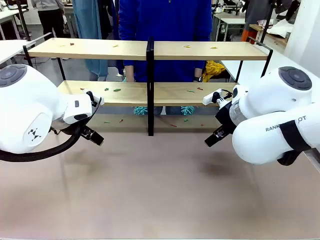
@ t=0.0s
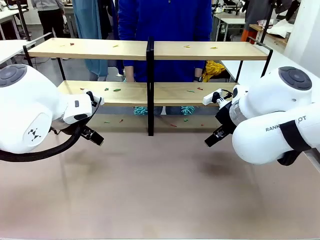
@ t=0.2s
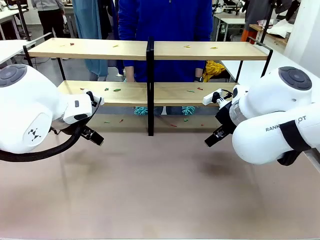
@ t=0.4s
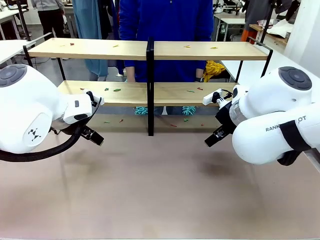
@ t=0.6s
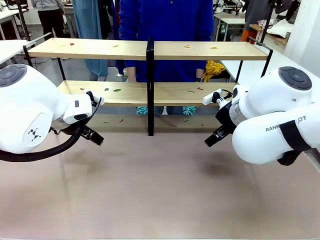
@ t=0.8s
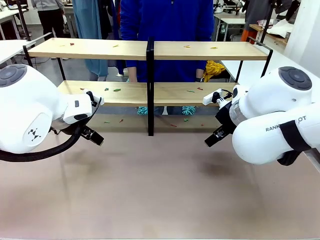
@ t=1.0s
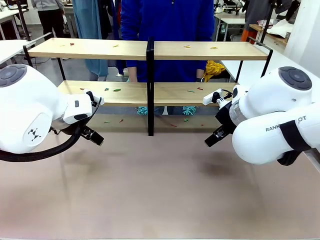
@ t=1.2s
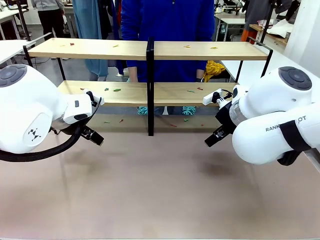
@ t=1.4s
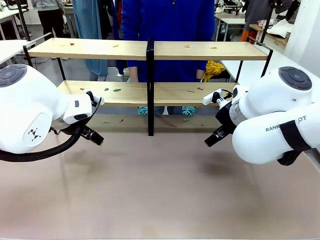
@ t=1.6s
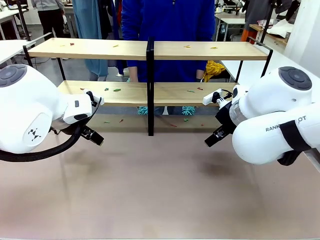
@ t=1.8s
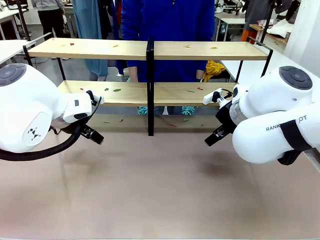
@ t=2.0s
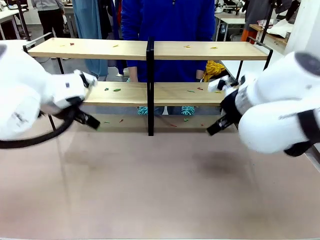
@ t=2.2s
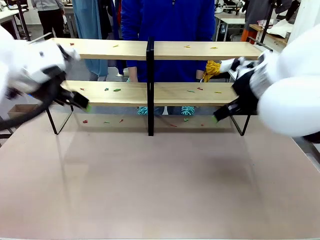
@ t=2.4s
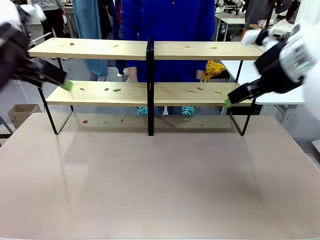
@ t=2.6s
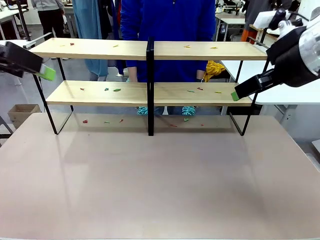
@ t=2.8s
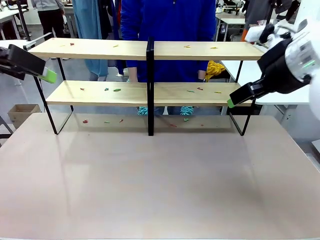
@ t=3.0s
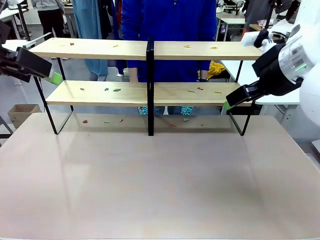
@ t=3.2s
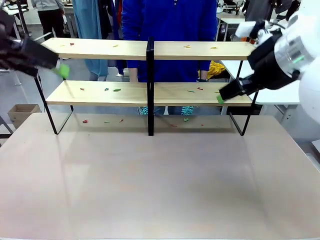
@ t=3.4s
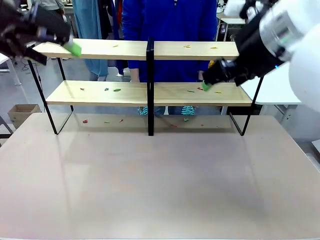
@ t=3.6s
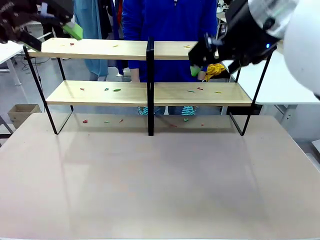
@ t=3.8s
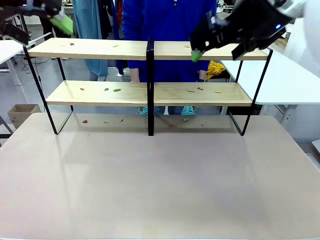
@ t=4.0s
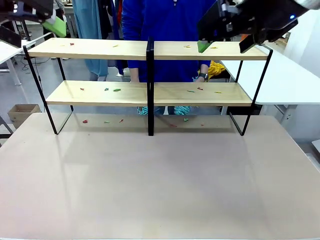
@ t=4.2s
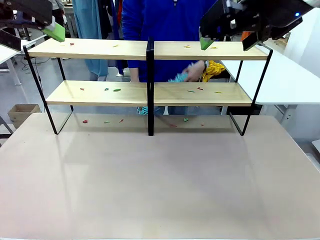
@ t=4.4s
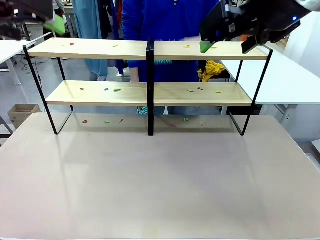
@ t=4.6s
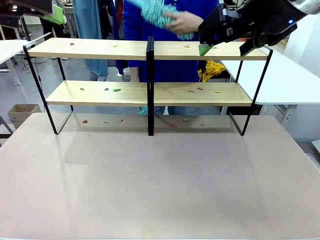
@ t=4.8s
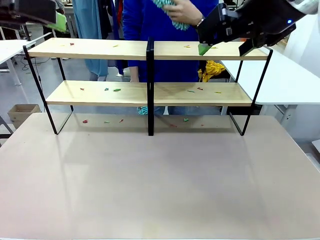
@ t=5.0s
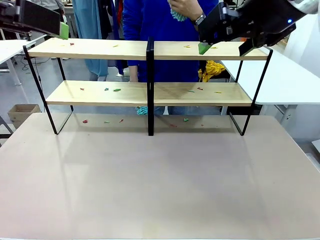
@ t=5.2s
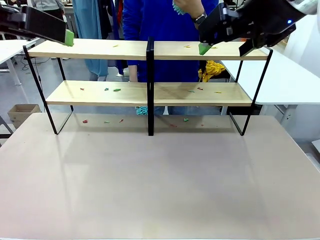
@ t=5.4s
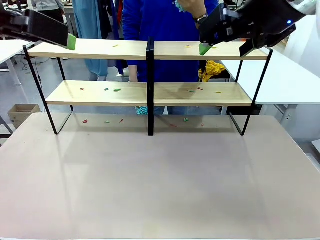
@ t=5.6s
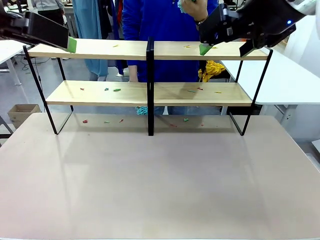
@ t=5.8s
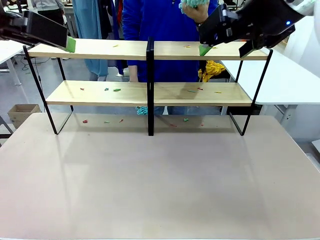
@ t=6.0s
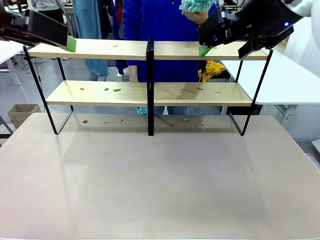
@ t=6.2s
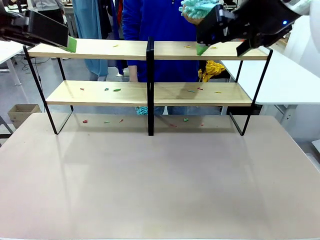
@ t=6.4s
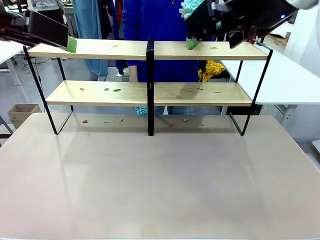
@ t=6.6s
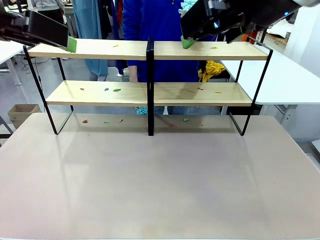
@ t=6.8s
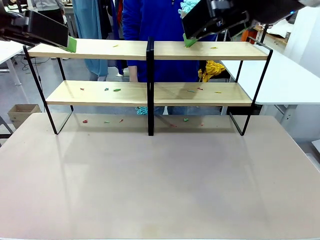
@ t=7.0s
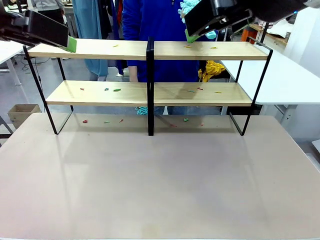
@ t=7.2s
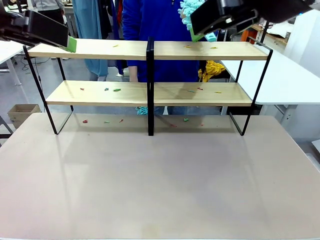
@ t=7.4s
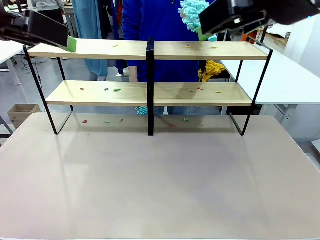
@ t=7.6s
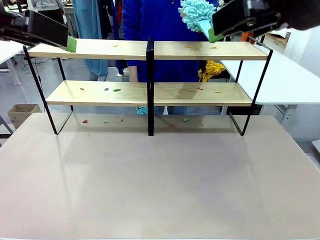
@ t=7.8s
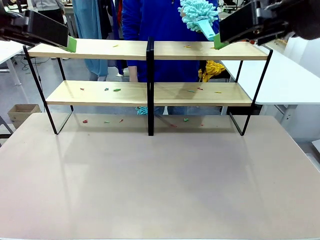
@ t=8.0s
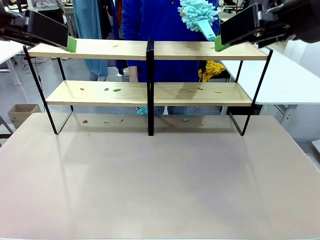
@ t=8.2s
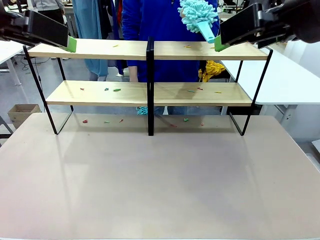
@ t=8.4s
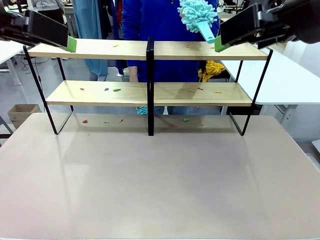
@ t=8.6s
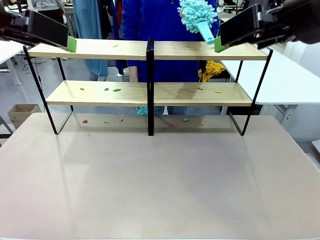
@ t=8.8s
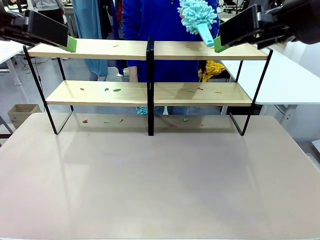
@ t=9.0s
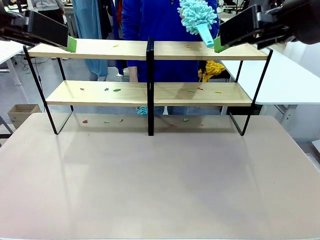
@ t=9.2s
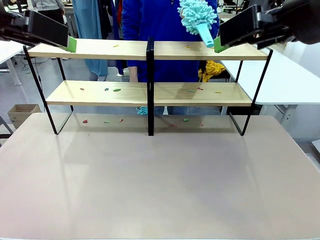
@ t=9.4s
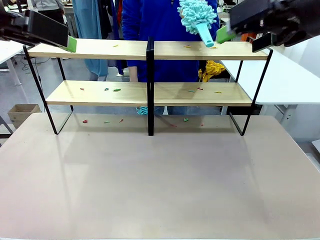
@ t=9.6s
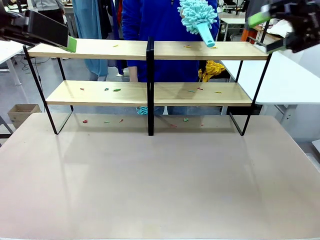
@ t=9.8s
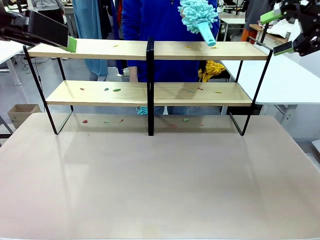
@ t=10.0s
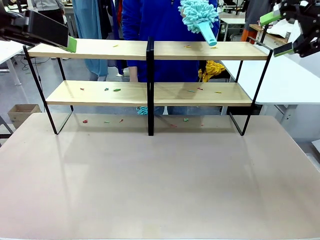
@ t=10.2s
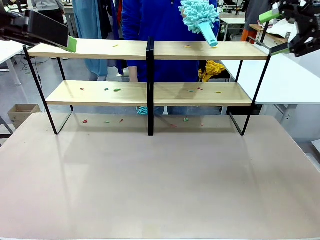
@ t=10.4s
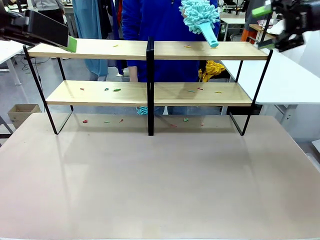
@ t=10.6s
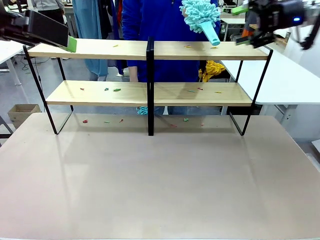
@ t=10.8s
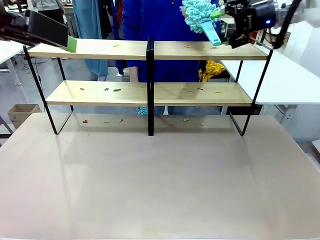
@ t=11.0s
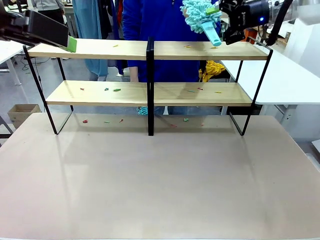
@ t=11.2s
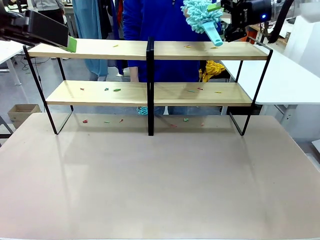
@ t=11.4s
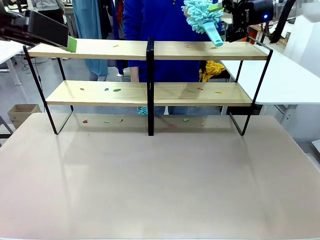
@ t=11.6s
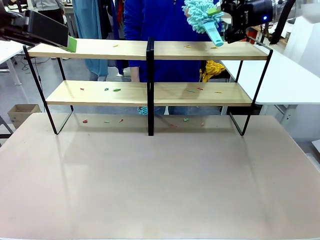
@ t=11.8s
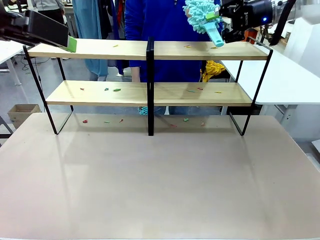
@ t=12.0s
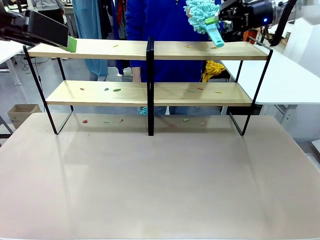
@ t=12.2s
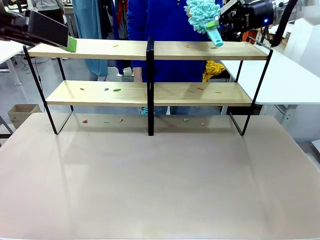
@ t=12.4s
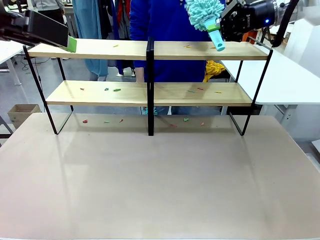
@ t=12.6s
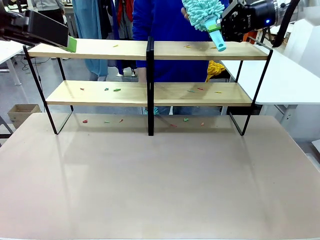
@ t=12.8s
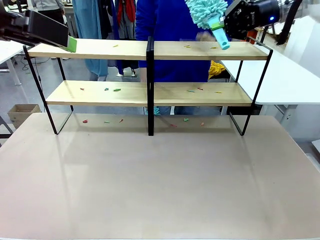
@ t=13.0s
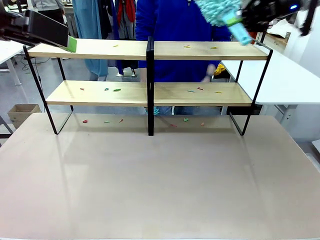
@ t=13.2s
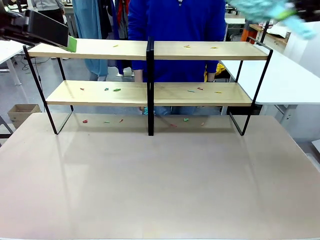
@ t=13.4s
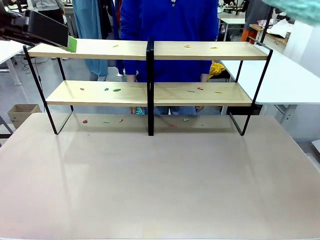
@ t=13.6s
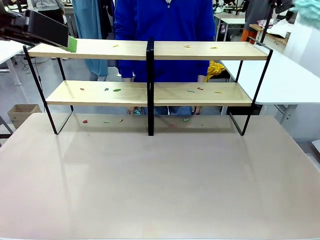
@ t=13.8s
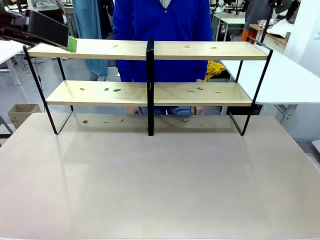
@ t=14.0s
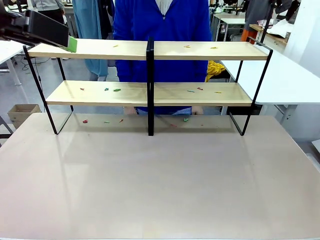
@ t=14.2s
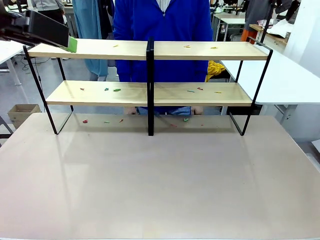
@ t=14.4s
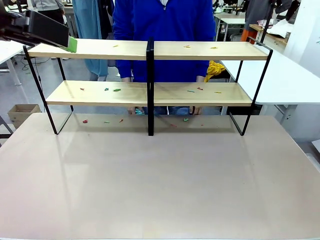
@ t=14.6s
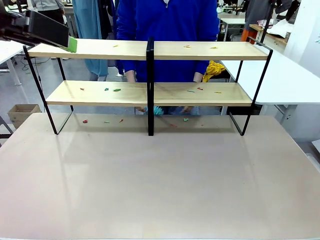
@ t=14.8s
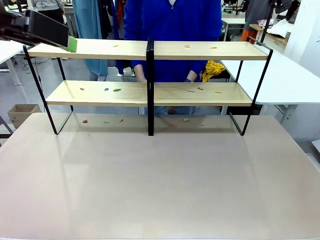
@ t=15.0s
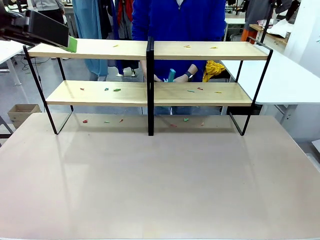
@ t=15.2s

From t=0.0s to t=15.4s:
Task: Clean the shelves.
Robot: Pick up the Duster when the human hands it over.
Person: Hand the Duster to the robot with your right (or left) hand.

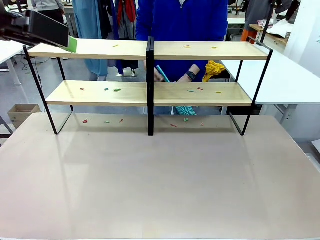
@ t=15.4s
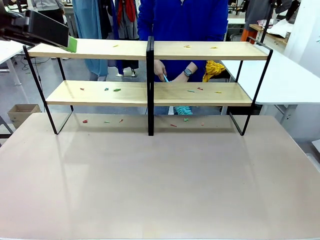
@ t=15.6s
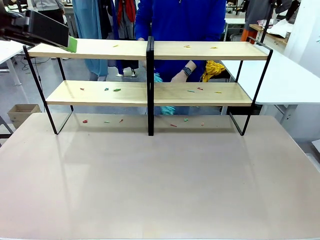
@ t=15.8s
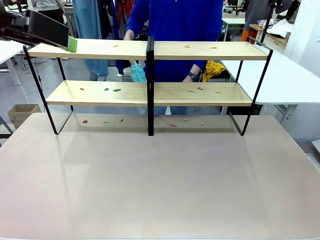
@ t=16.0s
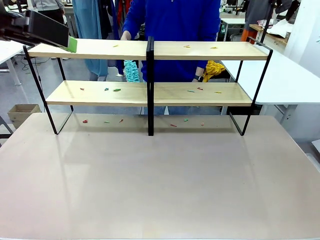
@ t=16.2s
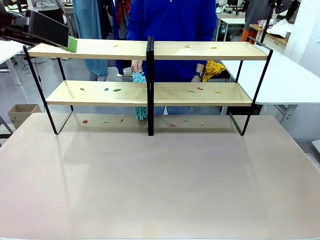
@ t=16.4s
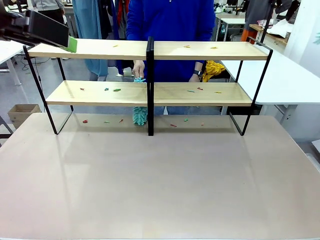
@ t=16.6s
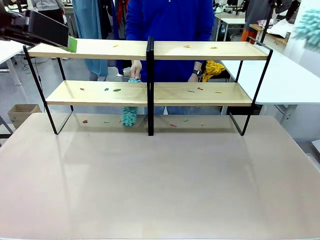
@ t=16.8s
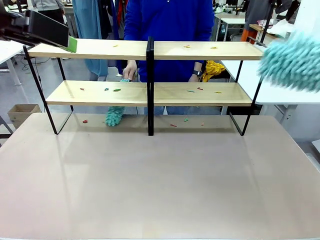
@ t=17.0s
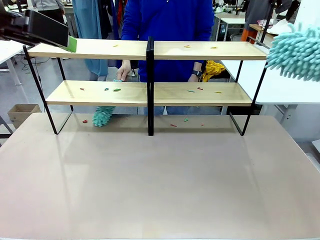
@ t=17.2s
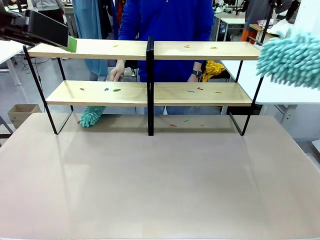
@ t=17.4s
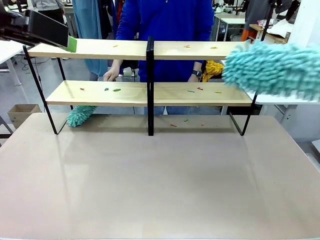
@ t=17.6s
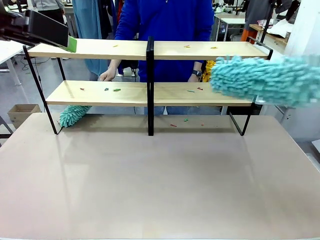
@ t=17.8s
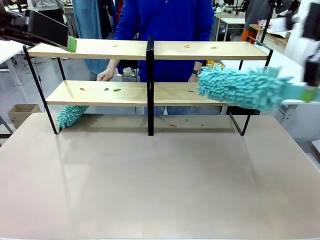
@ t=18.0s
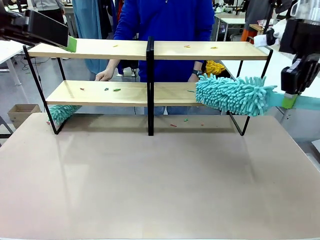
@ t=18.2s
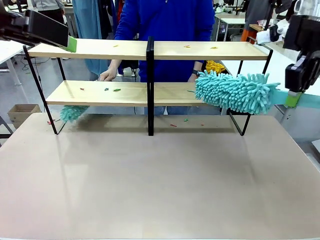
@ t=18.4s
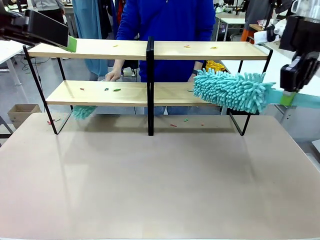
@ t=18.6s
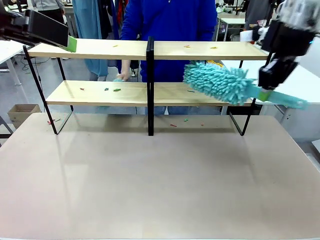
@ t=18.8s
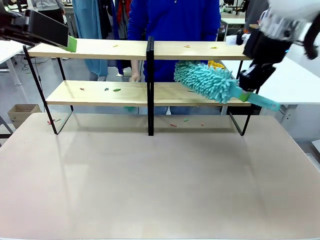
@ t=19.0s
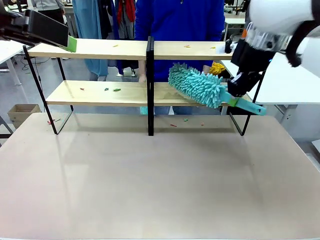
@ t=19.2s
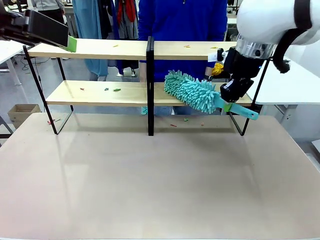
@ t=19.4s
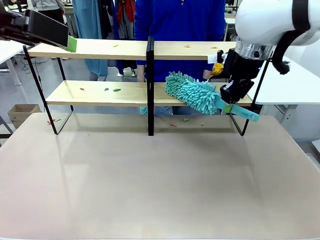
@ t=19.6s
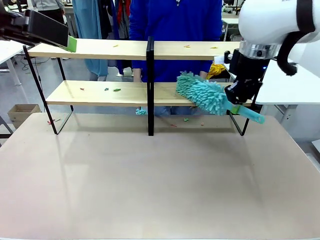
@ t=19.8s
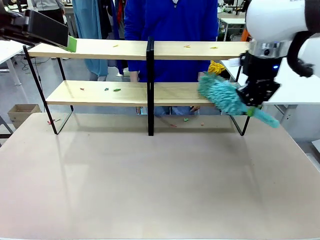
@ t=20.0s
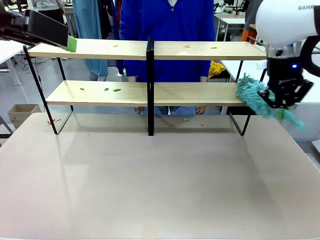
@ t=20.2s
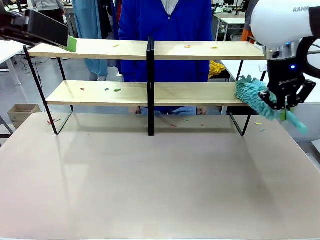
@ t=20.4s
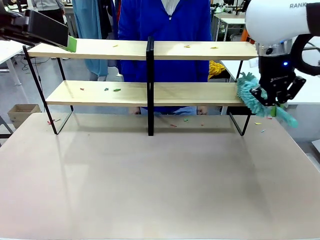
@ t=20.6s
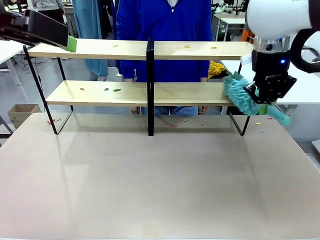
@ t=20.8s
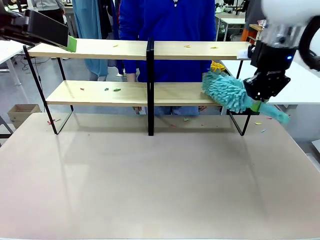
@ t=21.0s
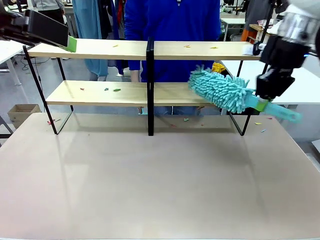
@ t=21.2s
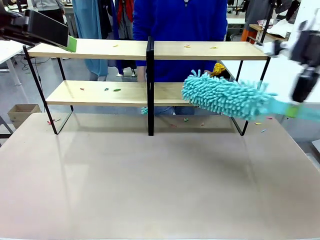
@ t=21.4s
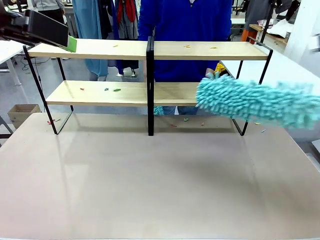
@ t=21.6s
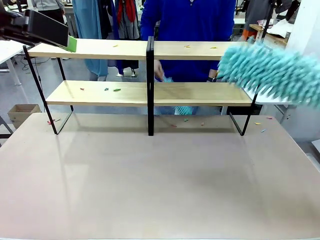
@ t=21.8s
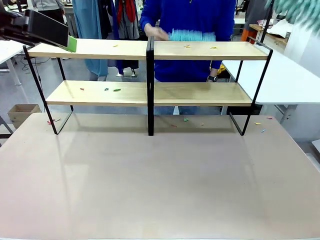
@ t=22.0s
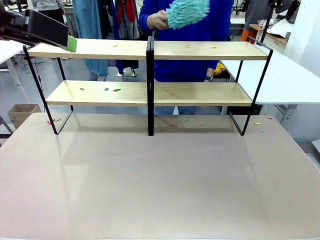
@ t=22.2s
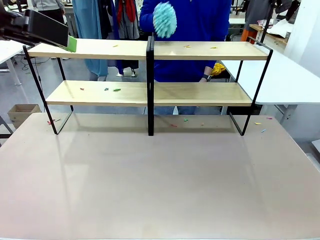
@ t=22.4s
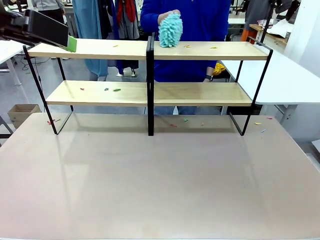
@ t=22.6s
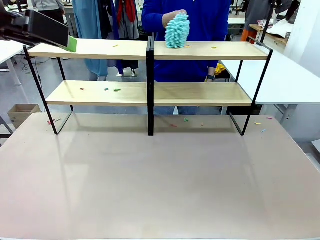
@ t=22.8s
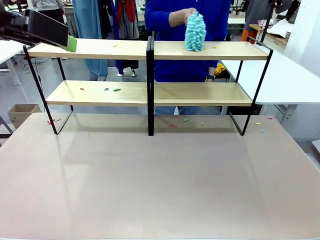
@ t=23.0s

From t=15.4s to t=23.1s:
Robot: Clean a randomly selected level of the Shelf with the Duster.
